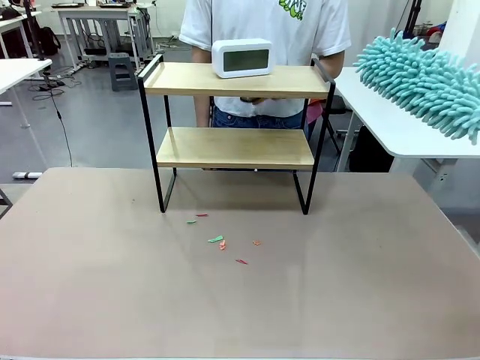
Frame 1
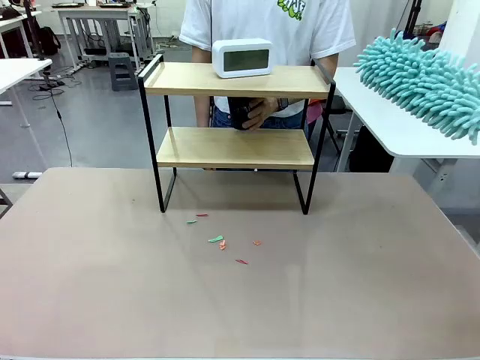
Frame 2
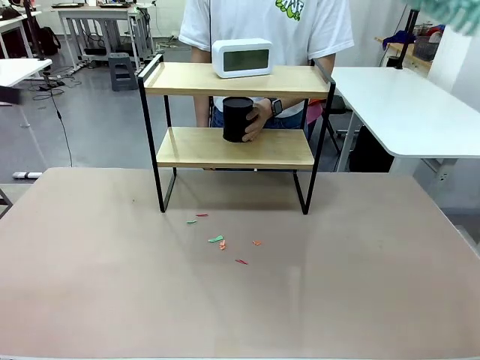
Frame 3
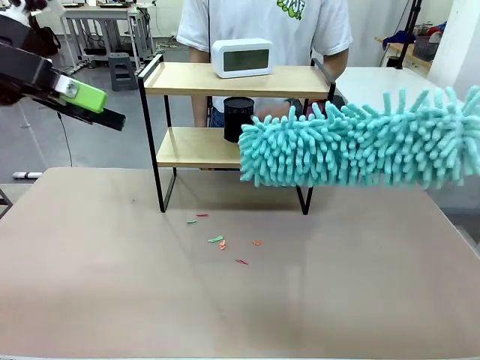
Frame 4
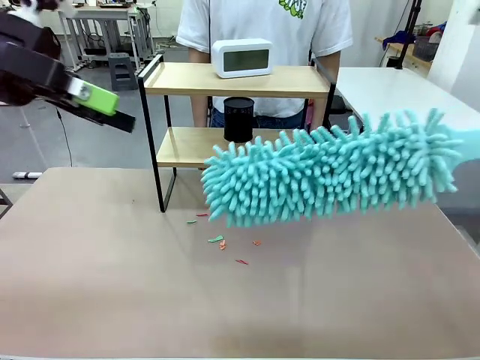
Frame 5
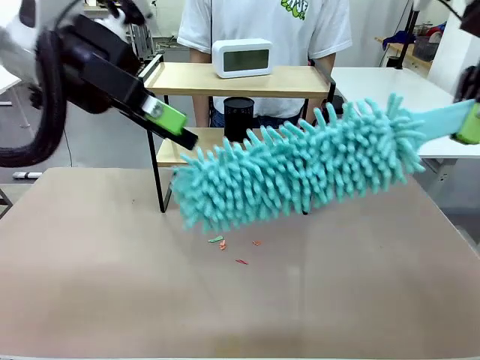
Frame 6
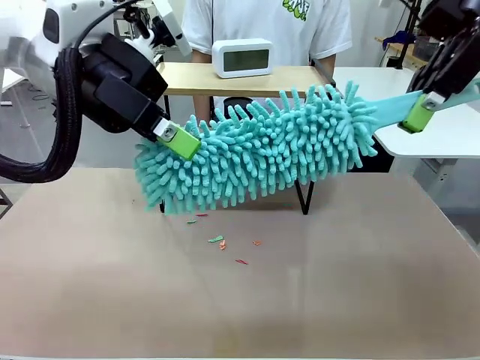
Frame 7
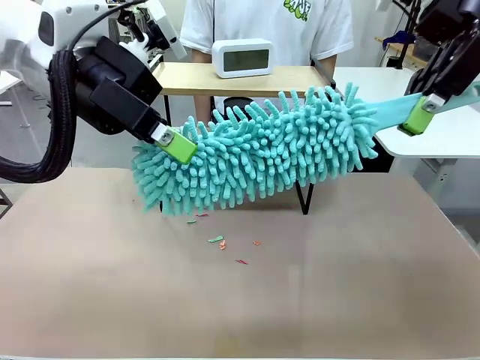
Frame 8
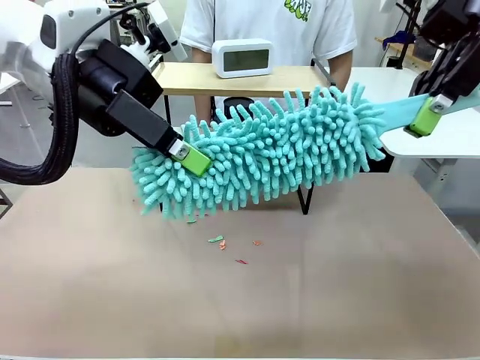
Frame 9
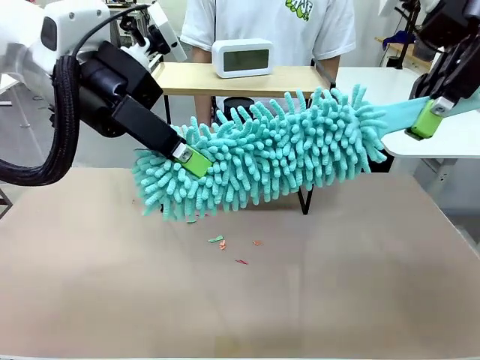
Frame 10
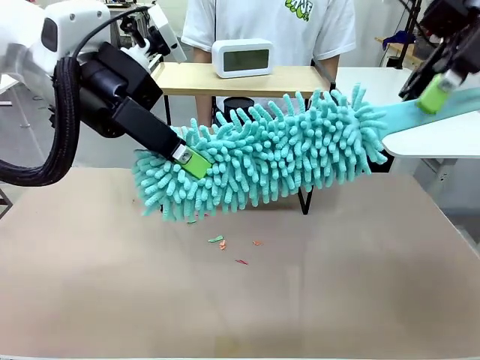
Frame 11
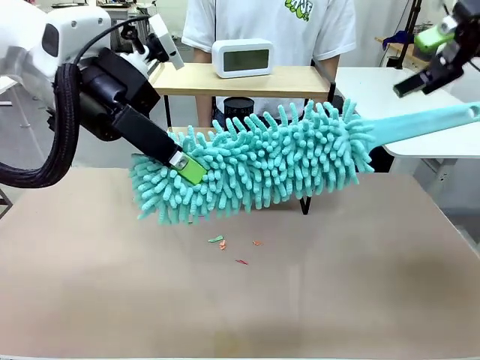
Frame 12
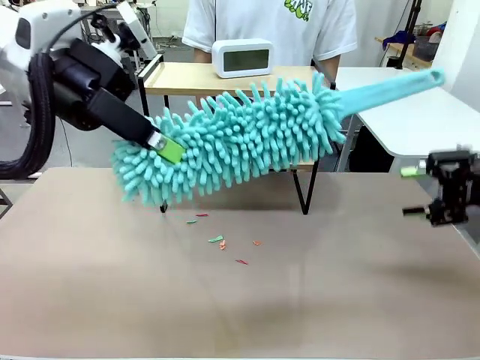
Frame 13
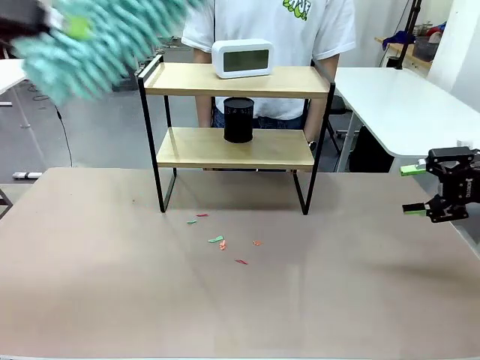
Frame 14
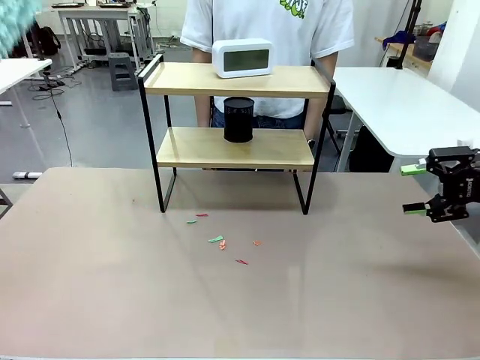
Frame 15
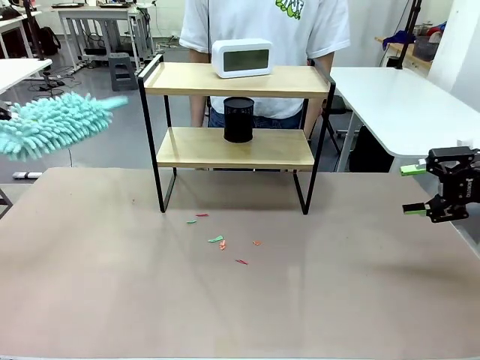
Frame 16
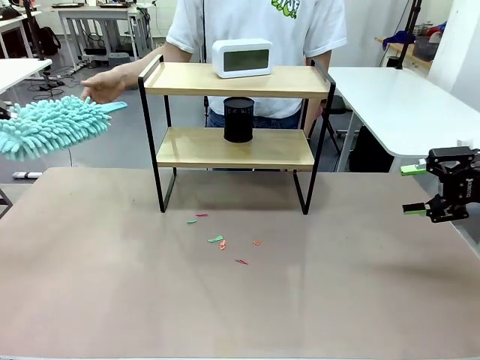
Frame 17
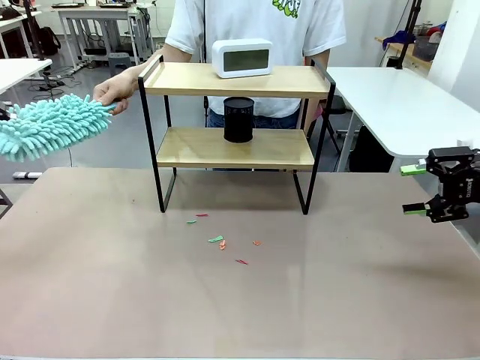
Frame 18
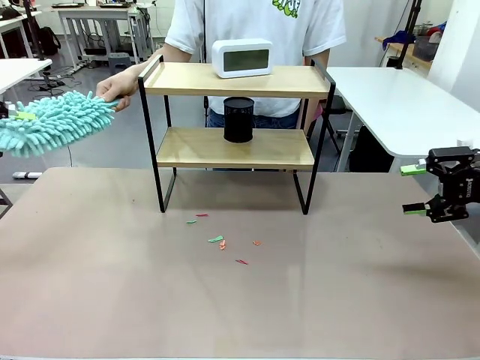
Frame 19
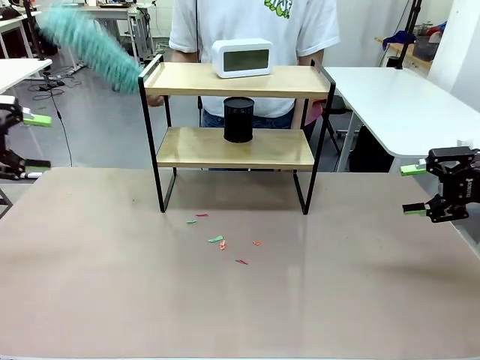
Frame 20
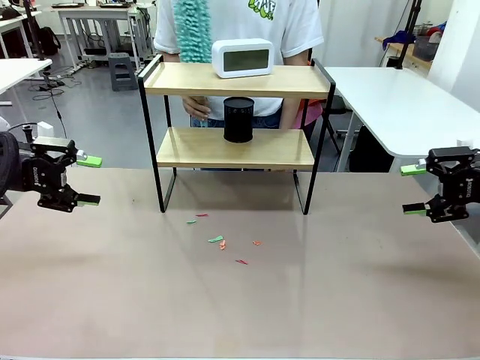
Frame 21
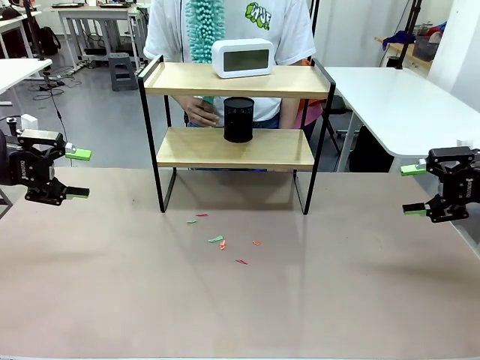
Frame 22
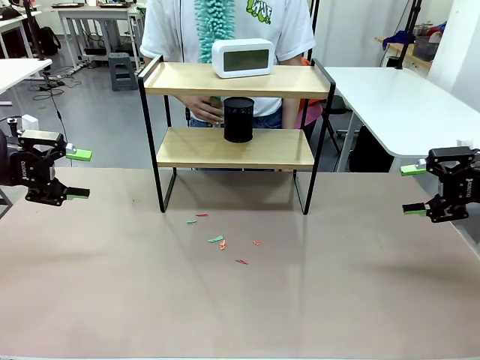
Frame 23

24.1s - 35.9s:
Task: Clean the shelf.
Robot: Hand the Duster back to the human.
Person: Receive the Duster from the robot.

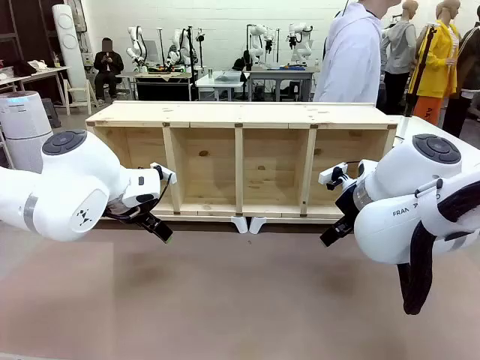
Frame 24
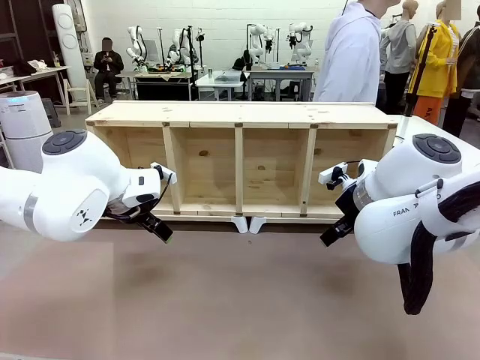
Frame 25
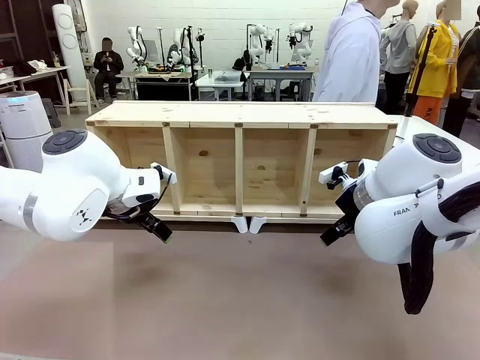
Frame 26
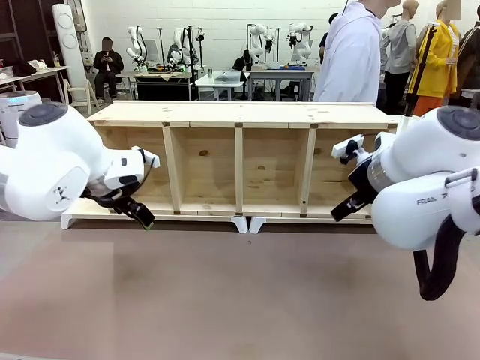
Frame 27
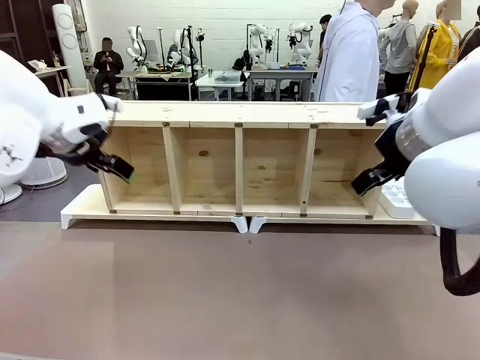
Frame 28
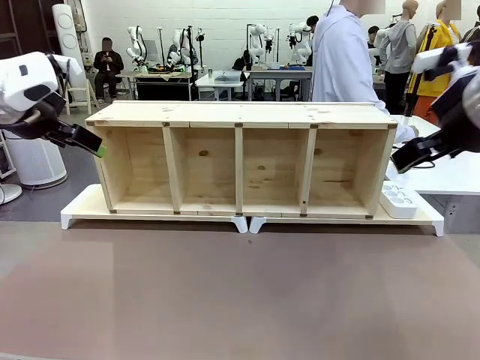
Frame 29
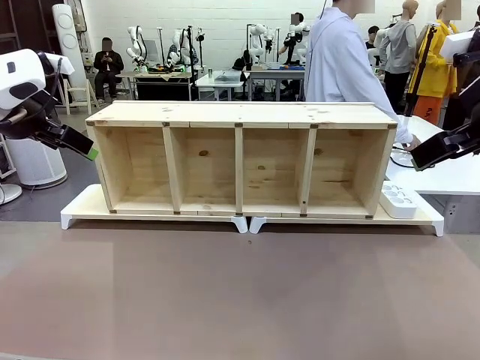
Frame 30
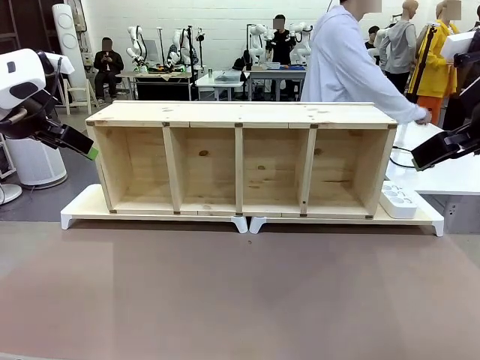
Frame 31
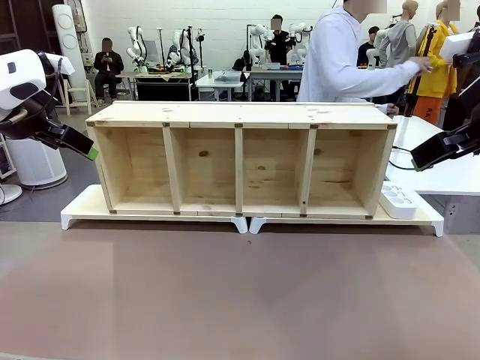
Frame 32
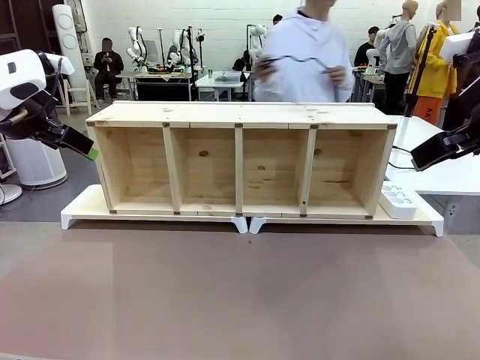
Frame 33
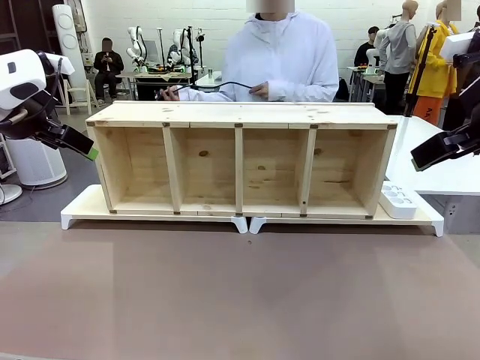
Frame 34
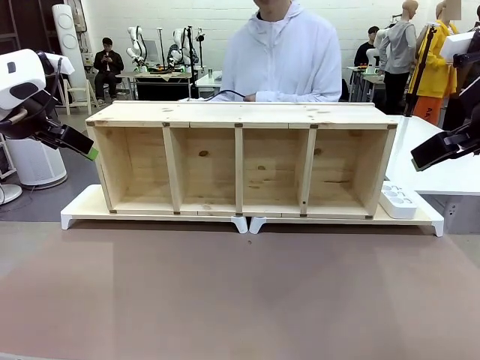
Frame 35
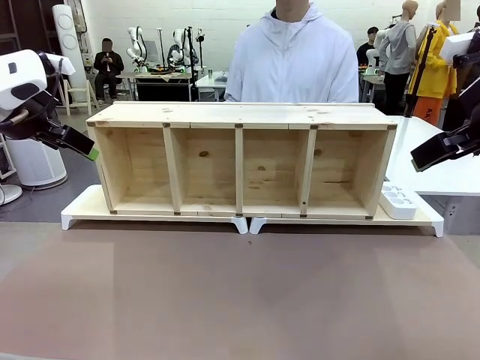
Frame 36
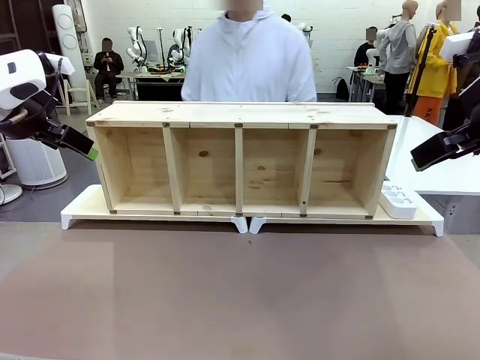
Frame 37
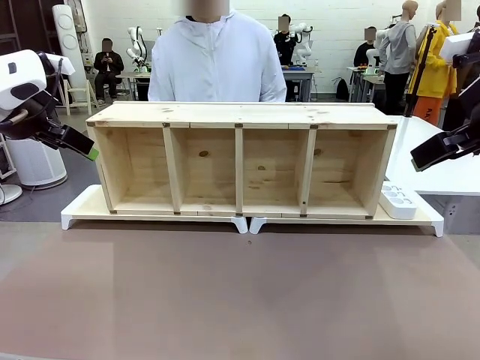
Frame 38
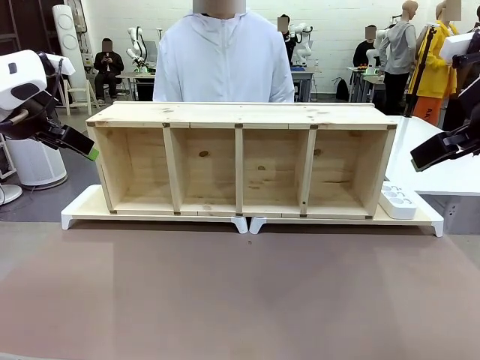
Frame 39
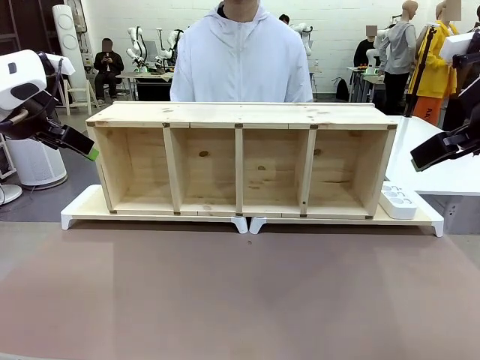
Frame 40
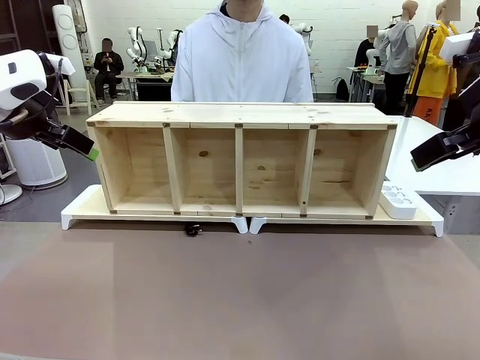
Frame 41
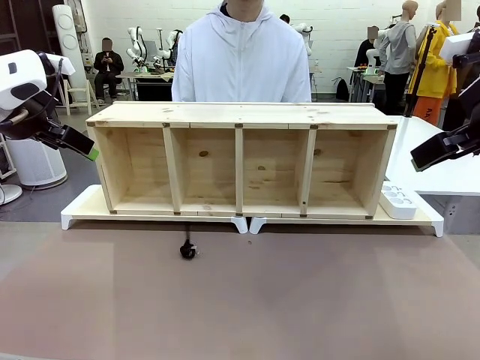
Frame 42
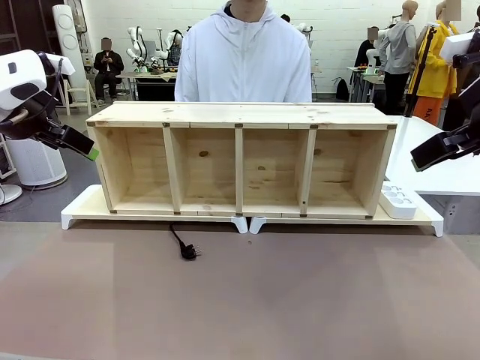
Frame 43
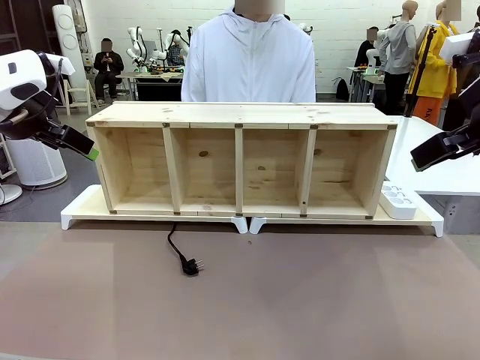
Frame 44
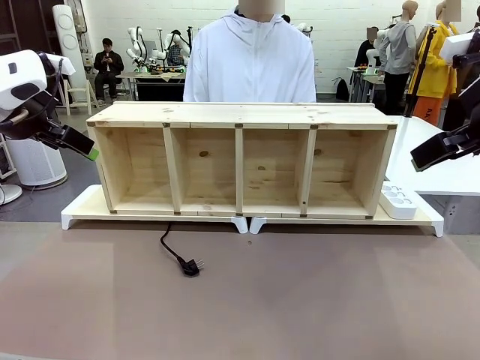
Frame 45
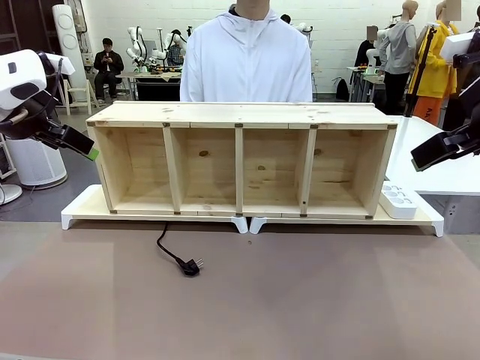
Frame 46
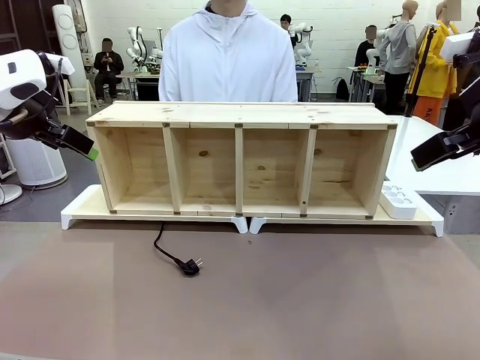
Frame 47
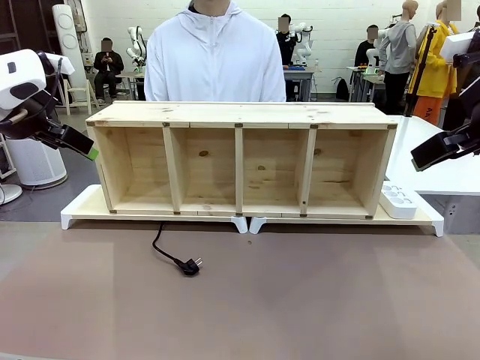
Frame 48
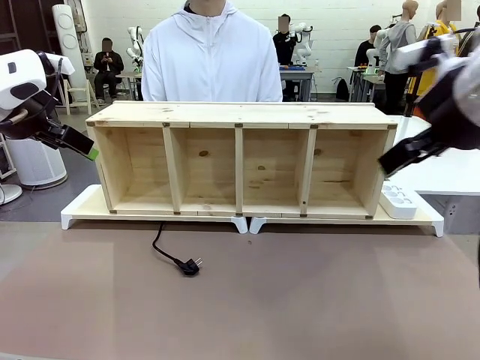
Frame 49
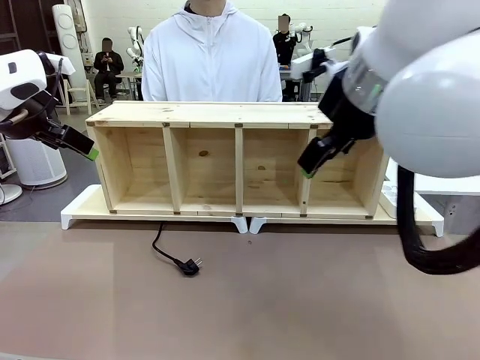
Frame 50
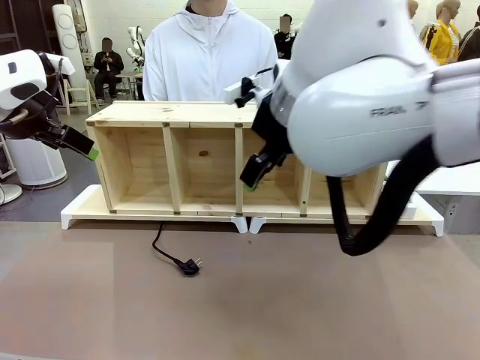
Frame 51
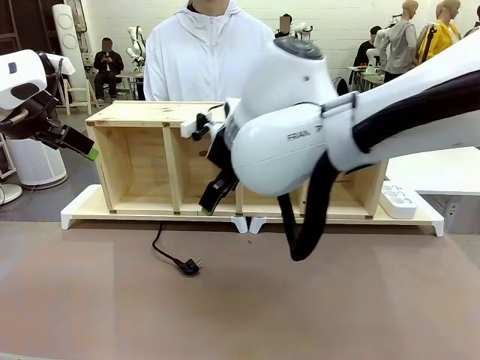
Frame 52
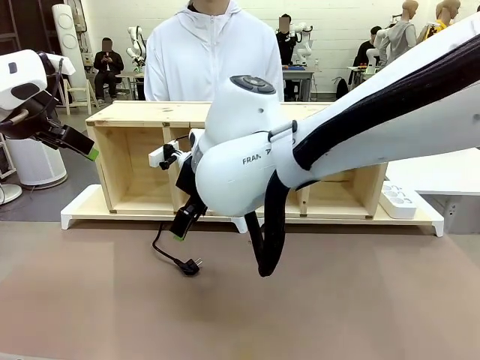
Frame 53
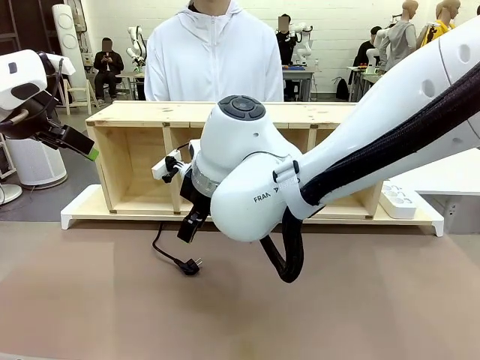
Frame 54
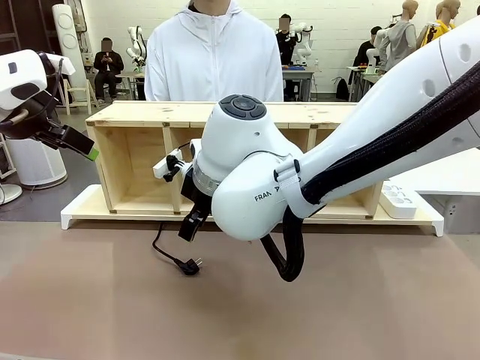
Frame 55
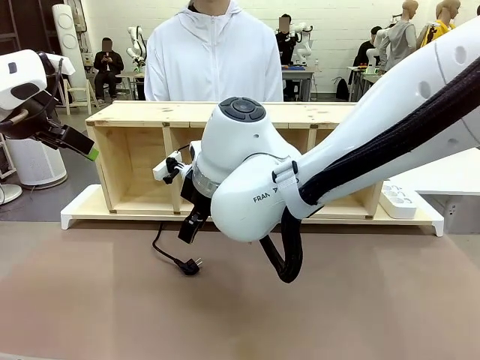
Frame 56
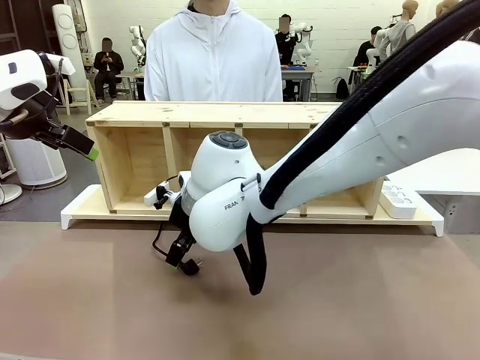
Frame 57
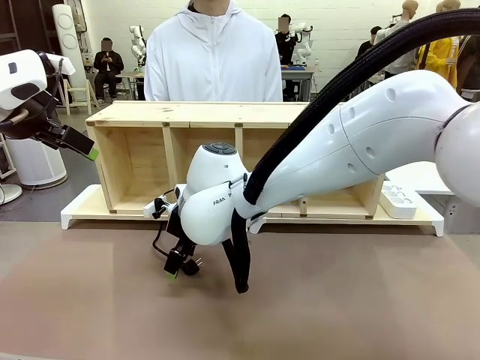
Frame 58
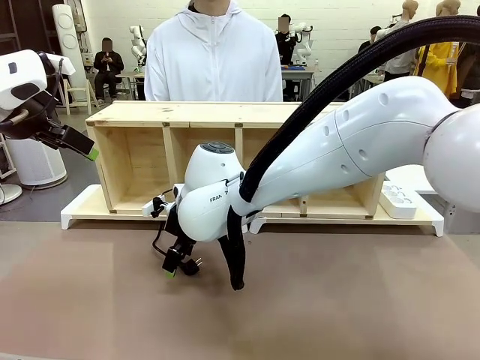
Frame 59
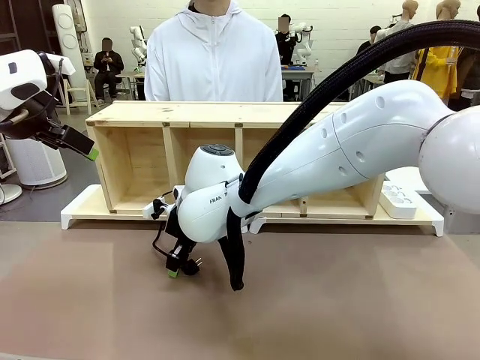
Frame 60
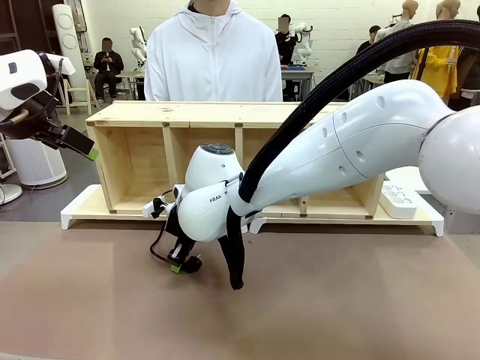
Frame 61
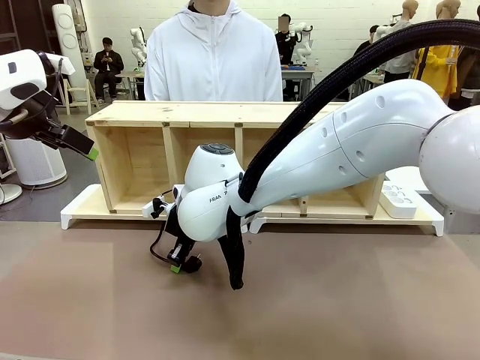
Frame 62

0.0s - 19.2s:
Task: Perform cable management.
Robot: When the cord part of the Power Cable appears at the lower middle area of the table and stops, grasp the cord part of the Power Cable.
Person: Pass the Power Cable under the Serving Table.
